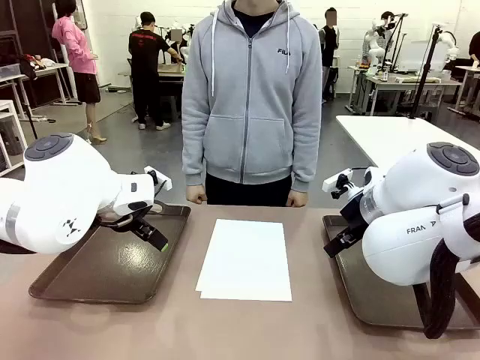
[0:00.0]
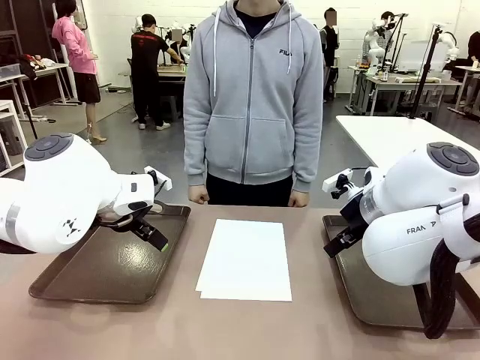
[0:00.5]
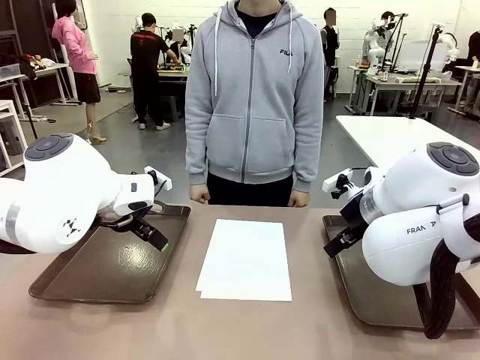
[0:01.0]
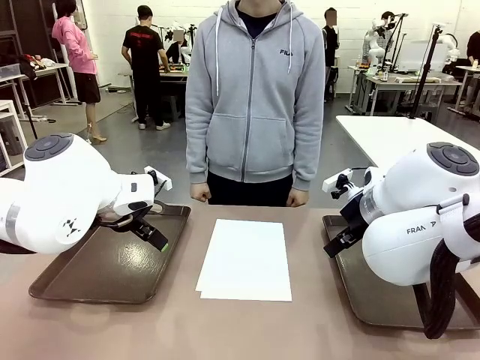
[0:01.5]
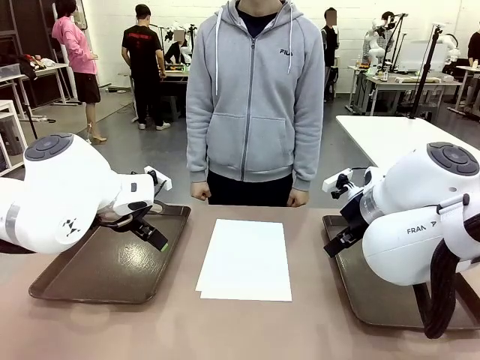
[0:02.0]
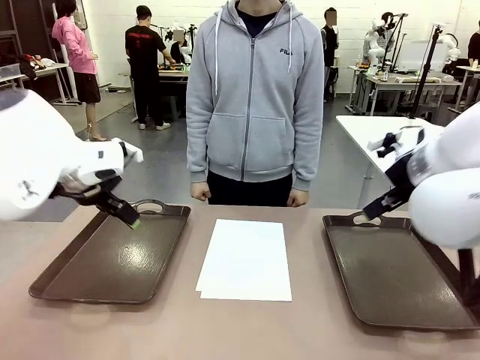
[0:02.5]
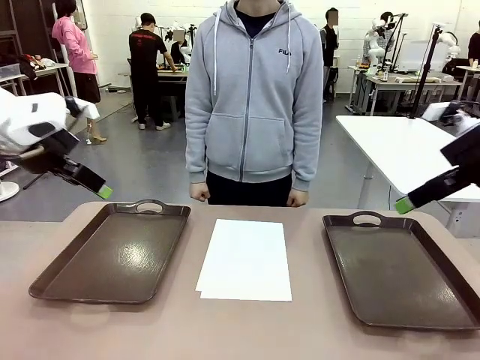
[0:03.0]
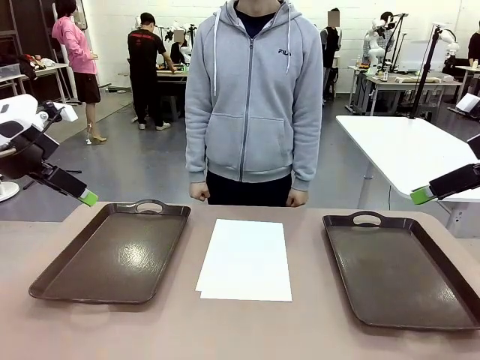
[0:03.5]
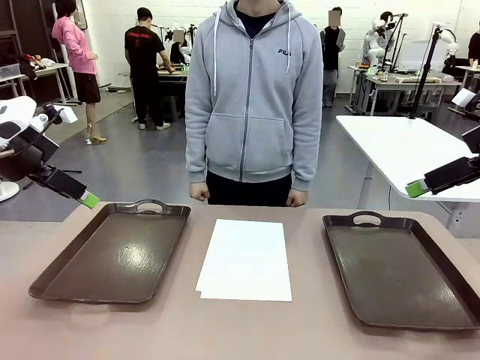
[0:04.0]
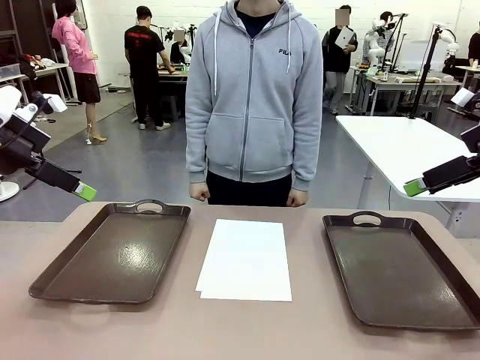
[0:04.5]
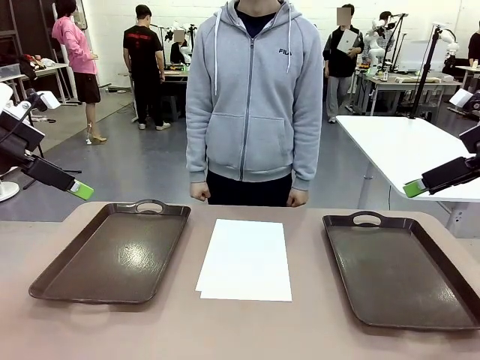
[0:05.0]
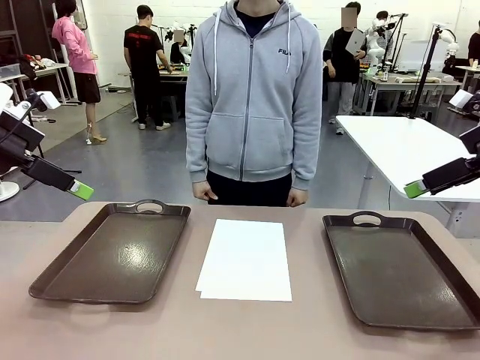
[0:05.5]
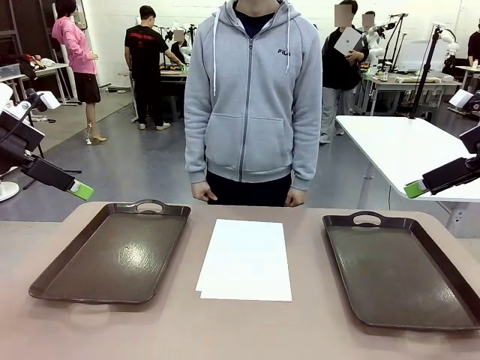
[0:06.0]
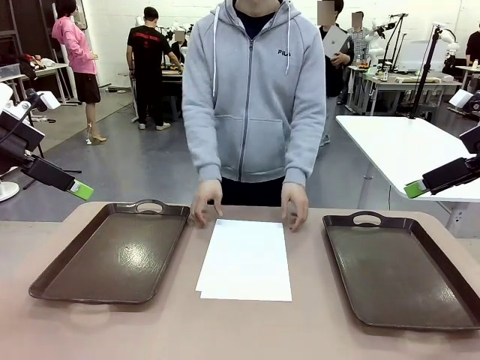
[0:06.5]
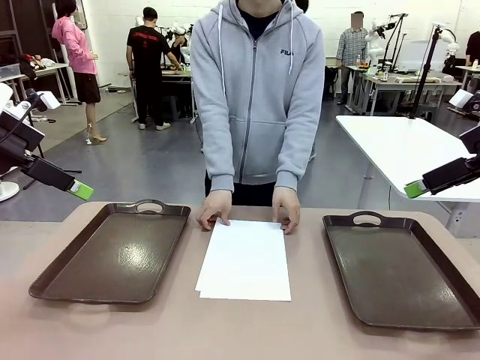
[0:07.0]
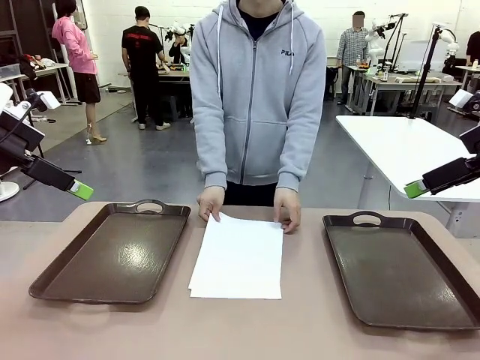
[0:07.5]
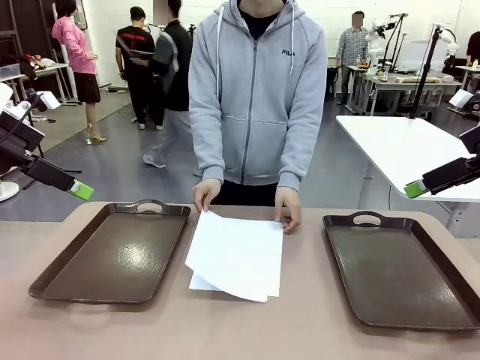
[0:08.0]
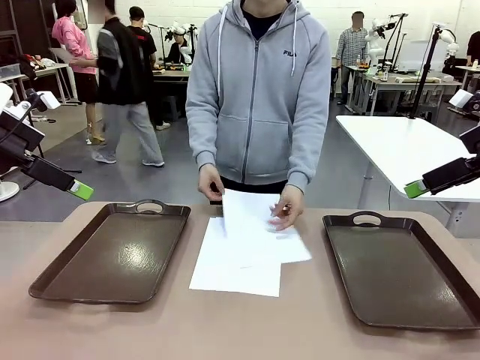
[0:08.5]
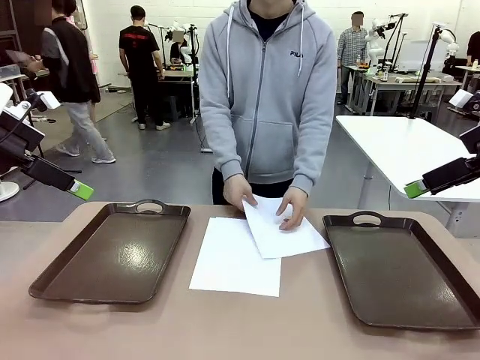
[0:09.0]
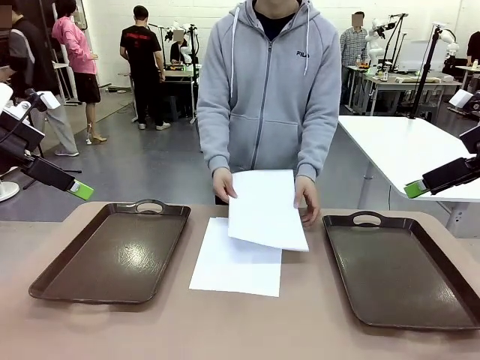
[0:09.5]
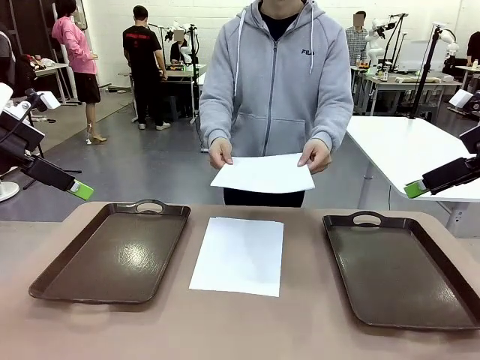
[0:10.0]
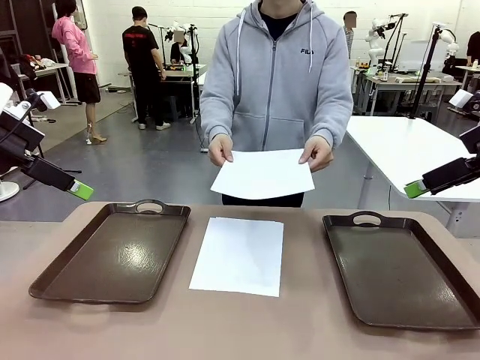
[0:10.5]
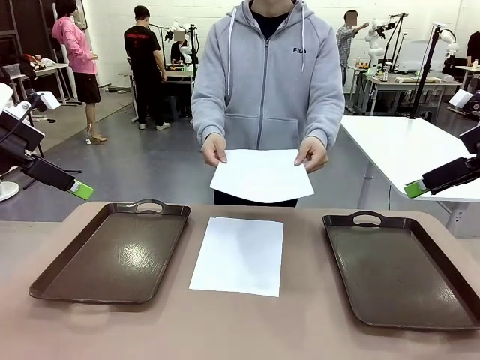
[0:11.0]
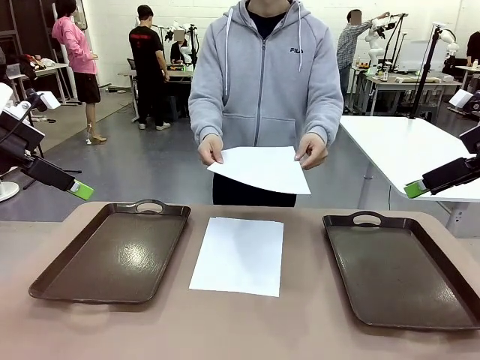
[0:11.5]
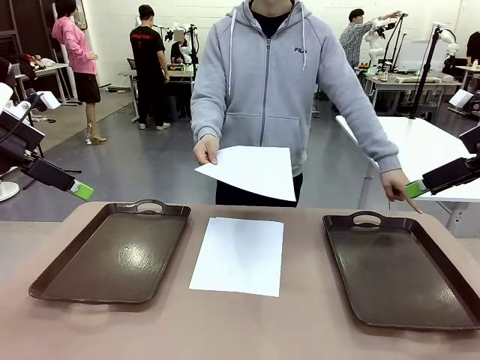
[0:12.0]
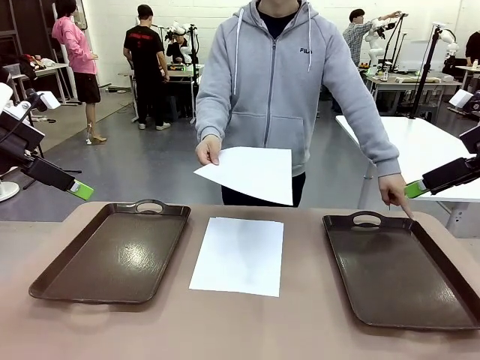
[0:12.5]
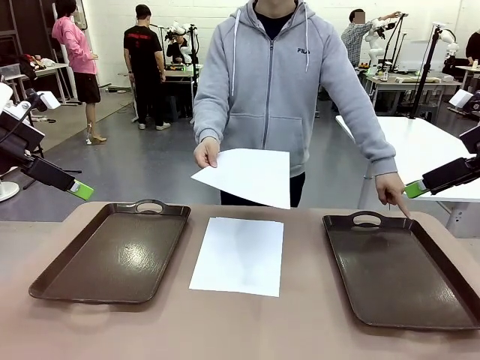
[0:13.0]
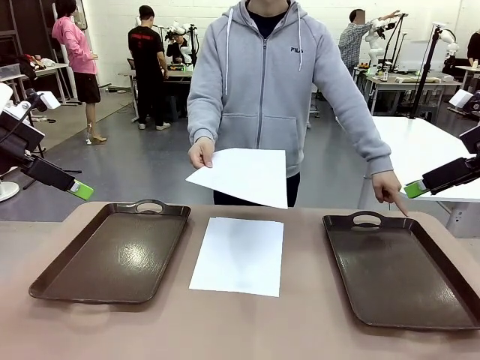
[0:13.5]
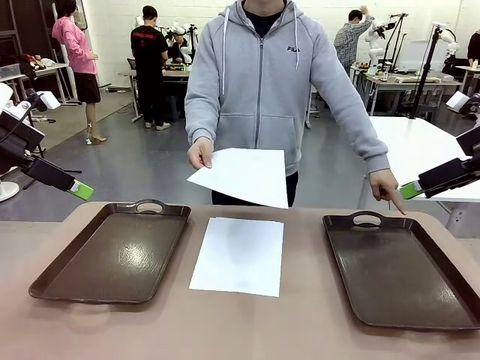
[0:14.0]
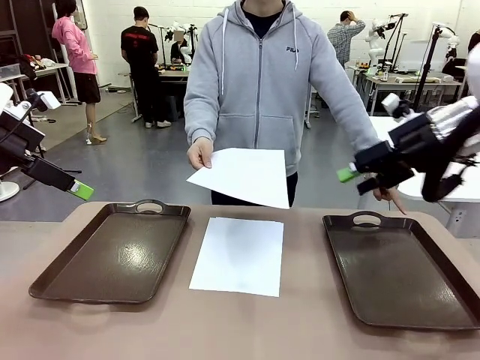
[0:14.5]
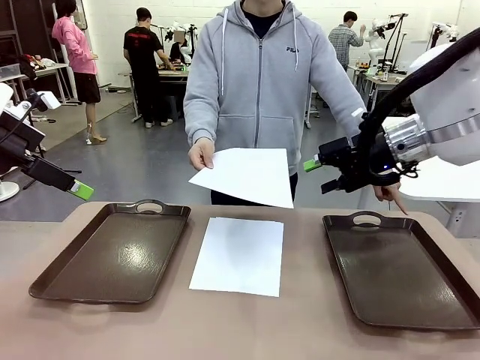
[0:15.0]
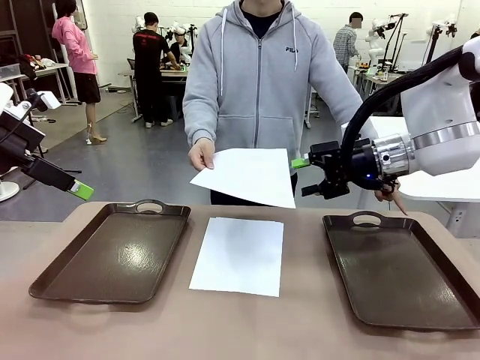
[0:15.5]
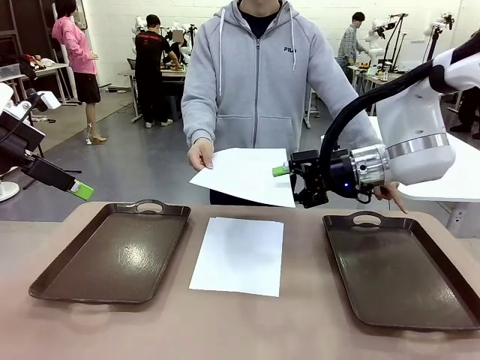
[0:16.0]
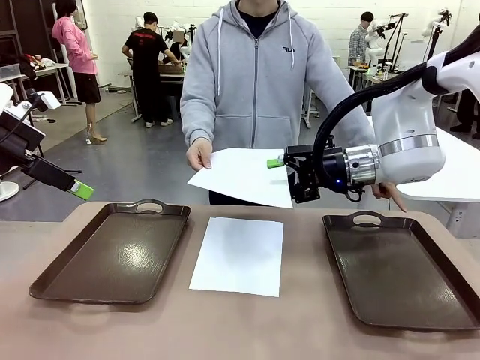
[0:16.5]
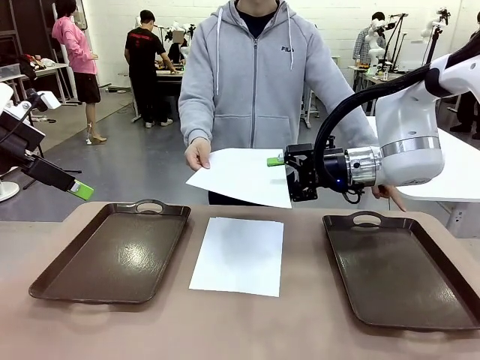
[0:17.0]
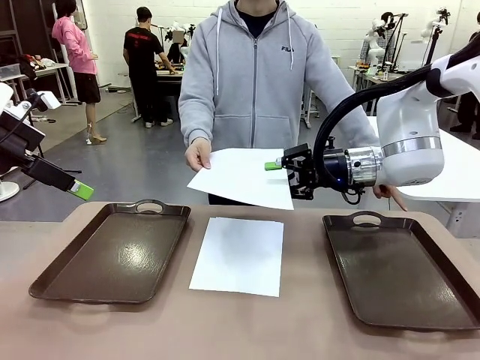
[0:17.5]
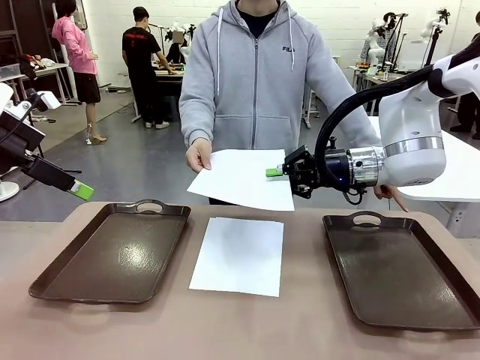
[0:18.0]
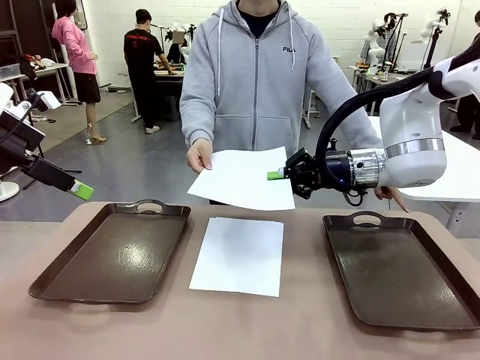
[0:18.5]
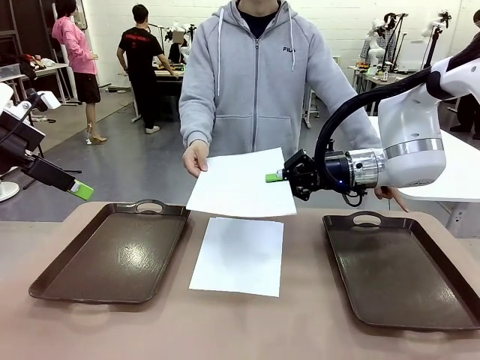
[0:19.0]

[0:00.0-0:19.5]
Task: Sort the A4 documents.
Robot: Receive the A4 Paper.
Person: Pick up a sheet of paper from the center of the table and hand it to the robot. Point the randomly selected tray with the other hand.

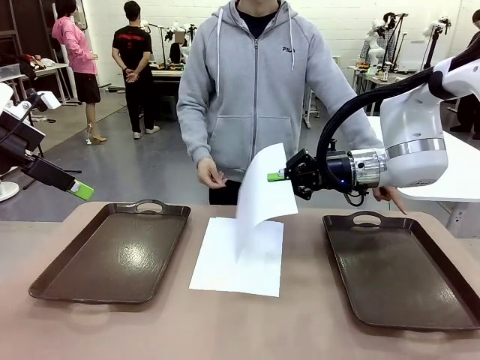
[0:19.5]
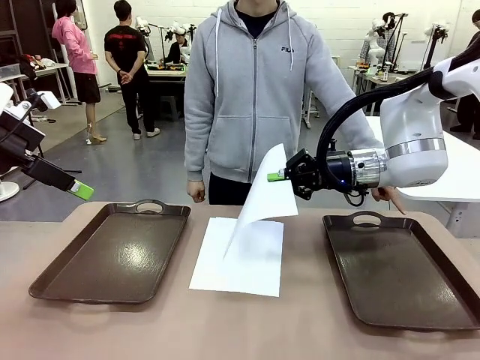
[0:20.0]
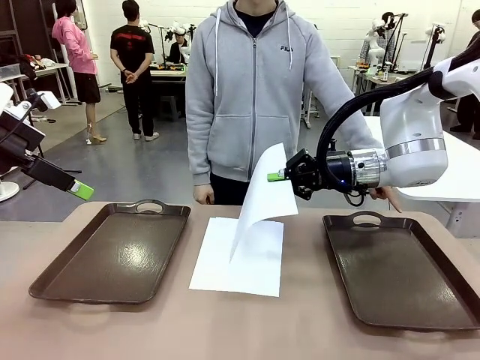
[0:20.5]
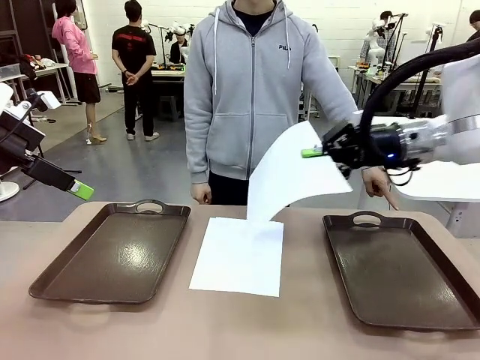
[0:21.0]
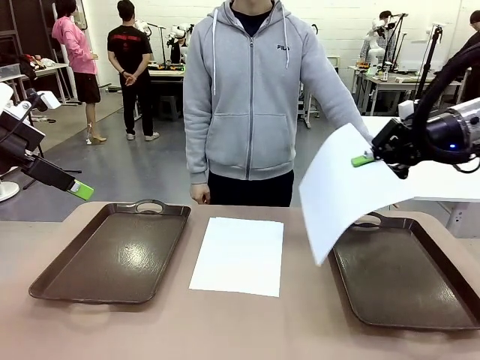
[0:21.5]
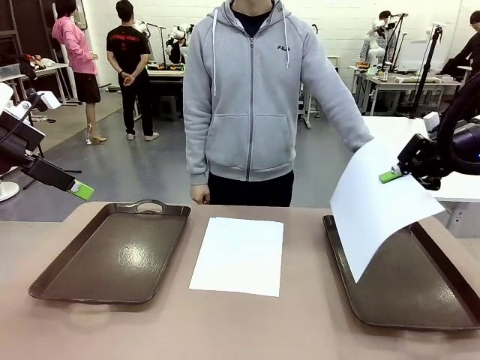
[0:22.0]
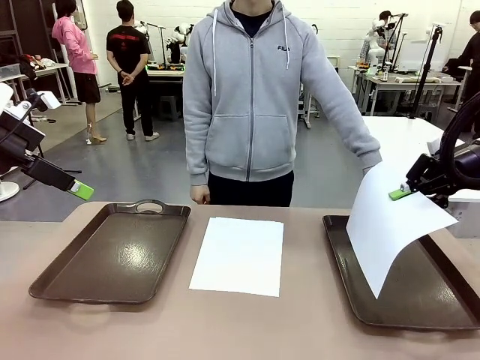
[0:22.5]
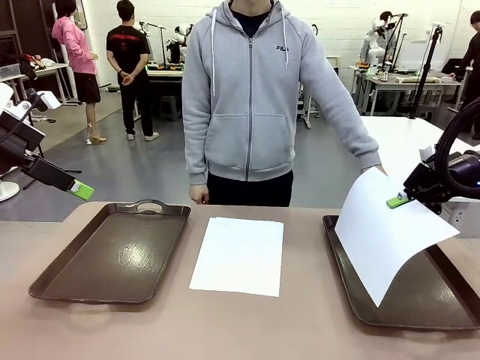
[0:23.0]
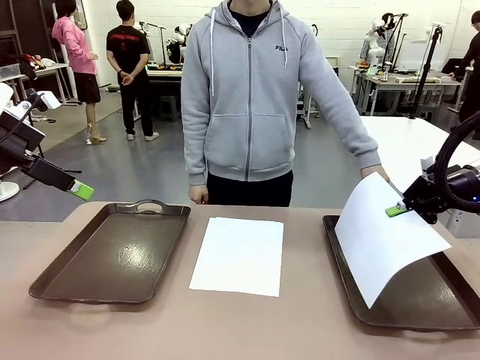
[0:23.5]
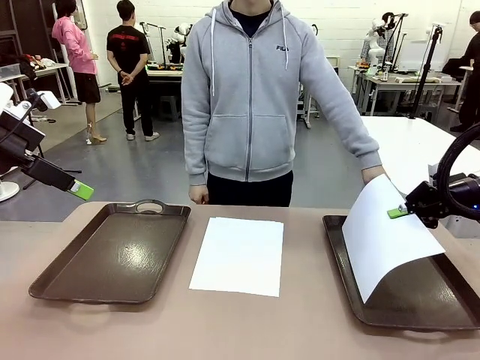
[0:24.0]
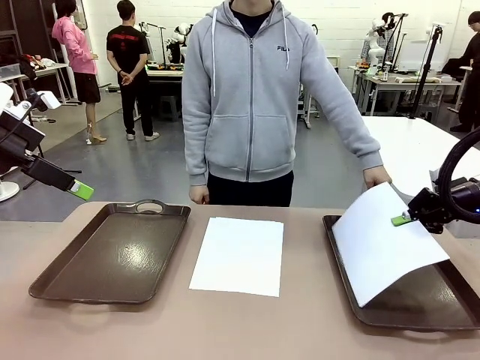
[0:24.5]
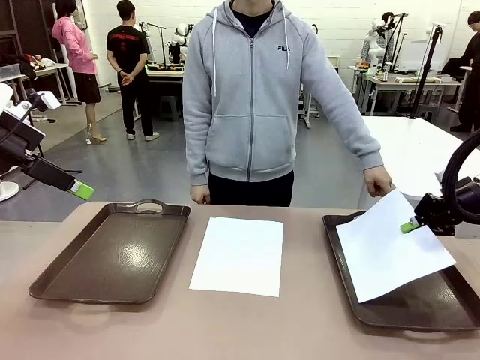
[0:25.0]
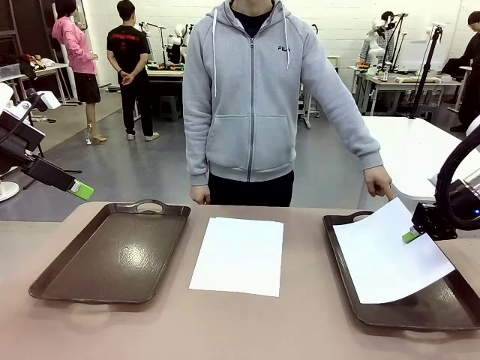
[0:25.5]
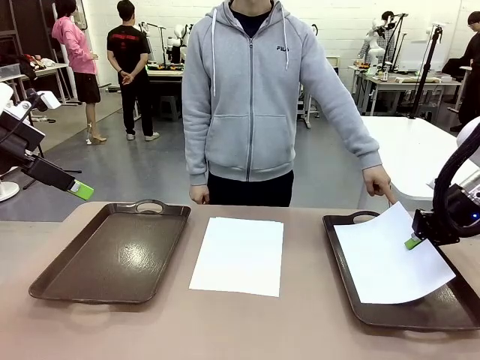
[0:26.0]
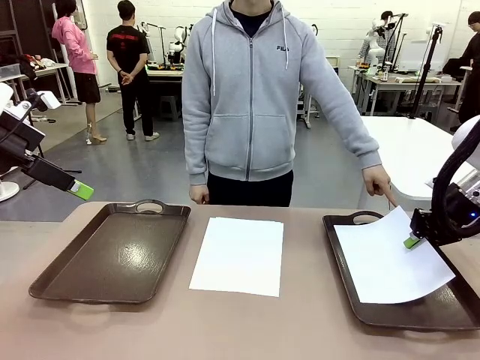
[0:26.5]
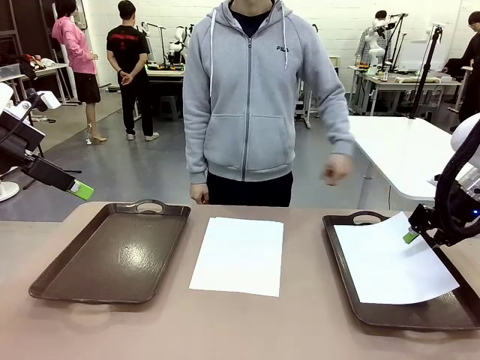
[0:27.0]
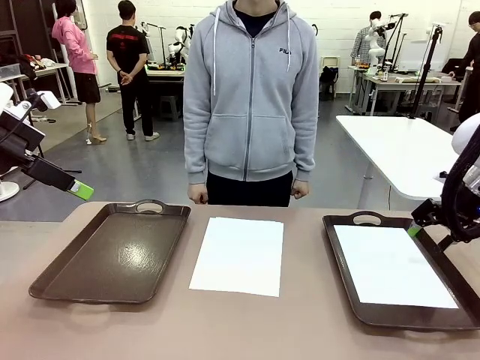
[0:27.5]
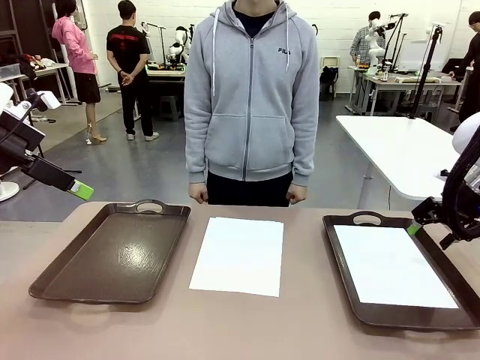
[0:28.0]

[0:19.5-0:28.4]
Robot: Place the A4 Paper in the designated Handle tray.
